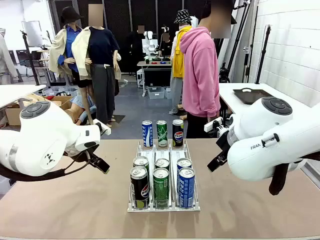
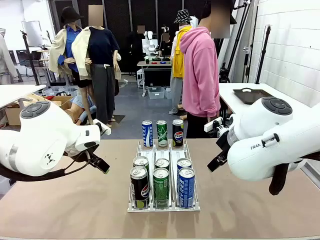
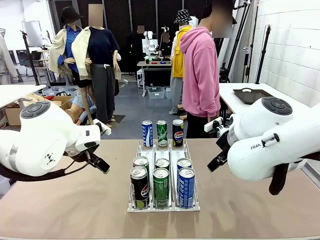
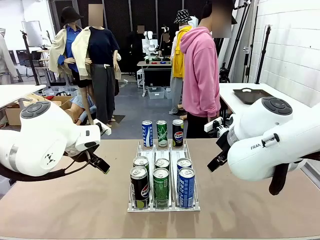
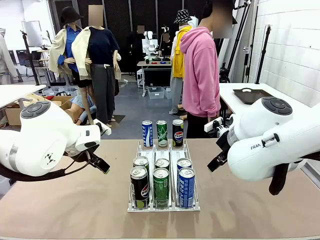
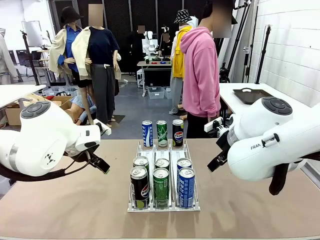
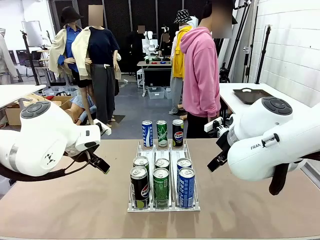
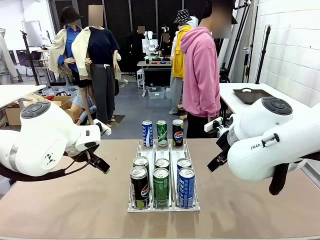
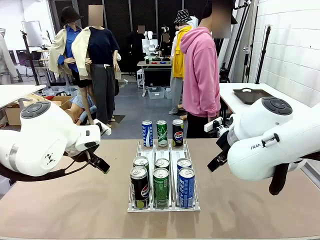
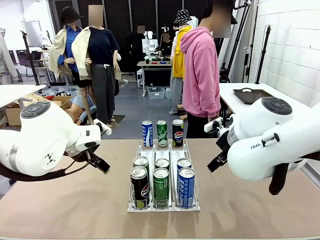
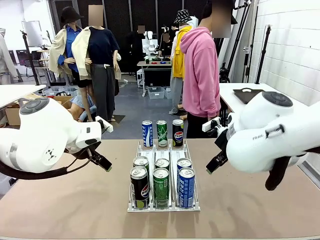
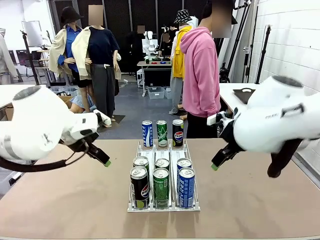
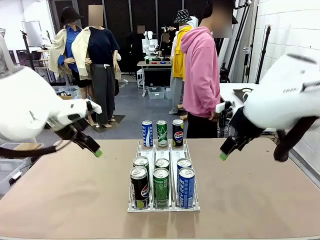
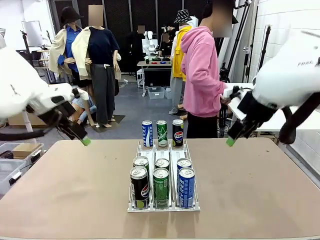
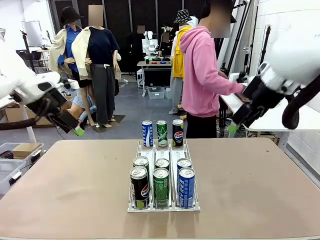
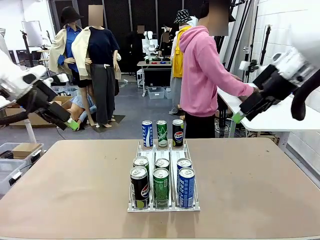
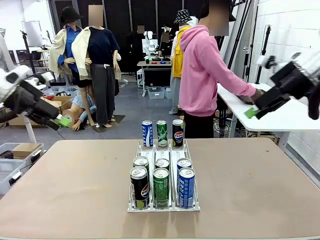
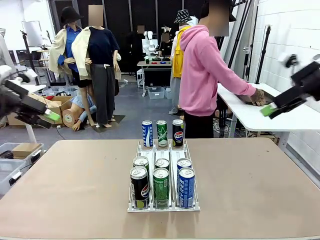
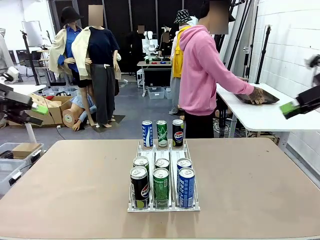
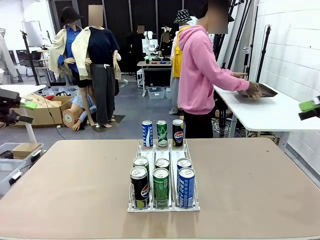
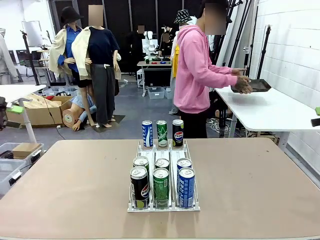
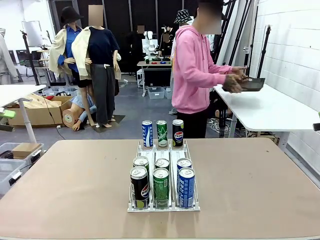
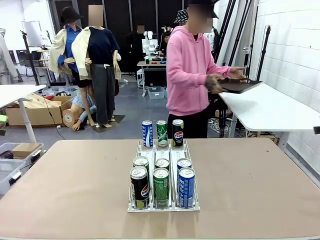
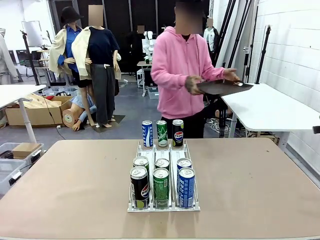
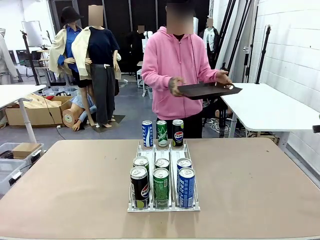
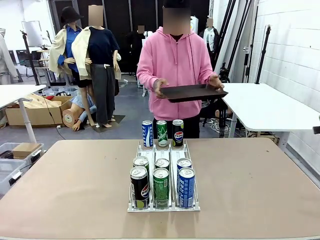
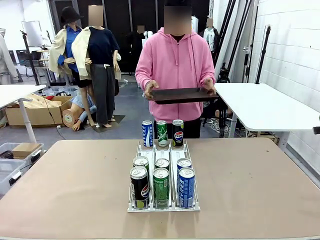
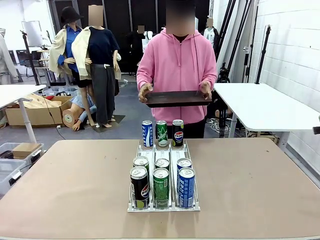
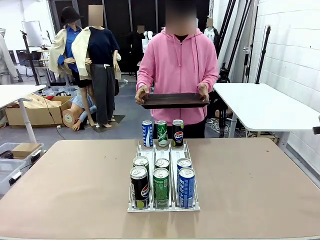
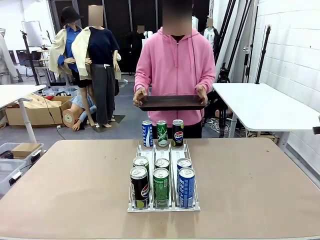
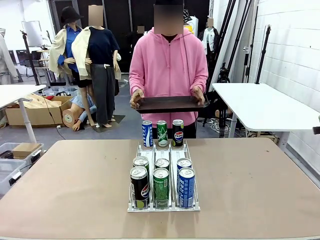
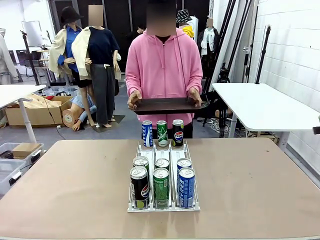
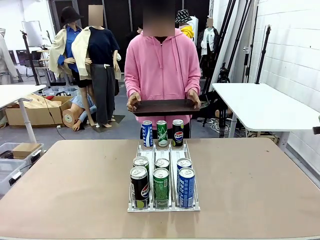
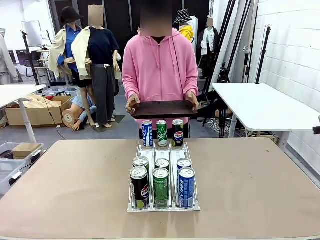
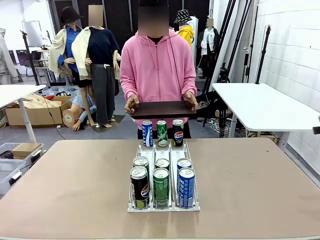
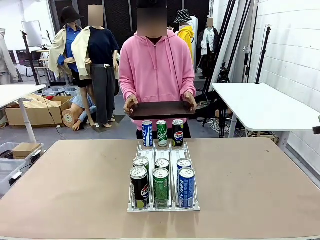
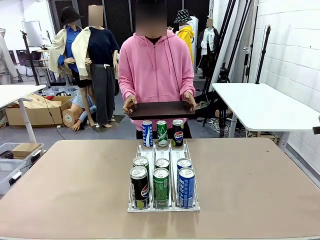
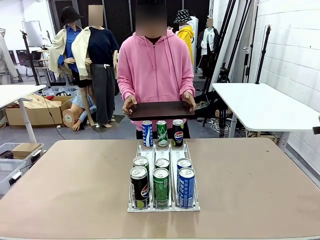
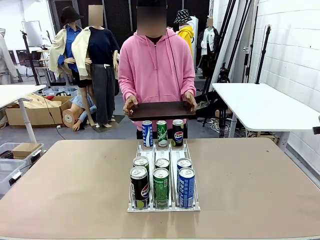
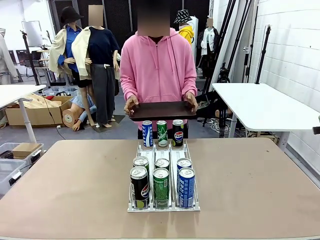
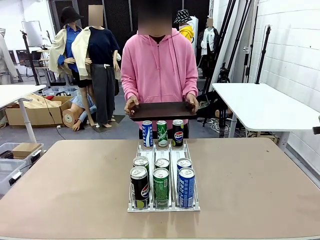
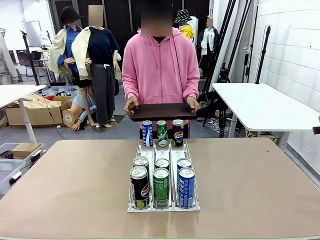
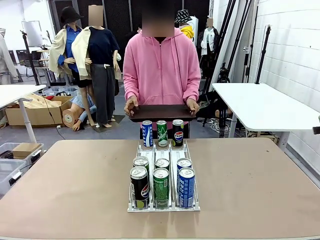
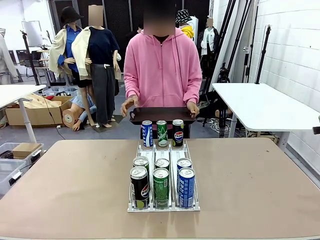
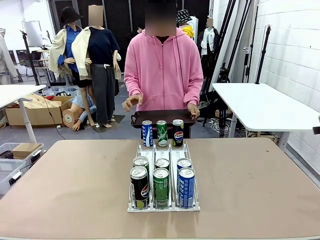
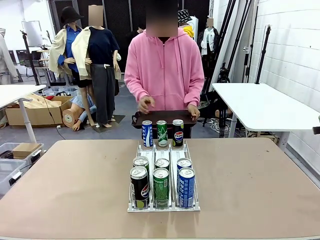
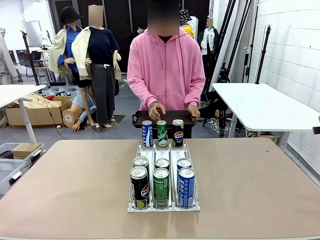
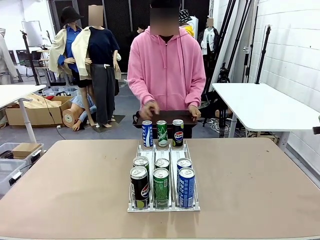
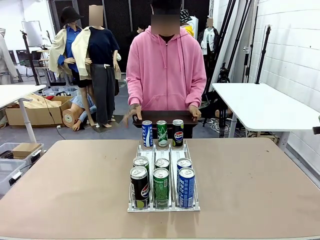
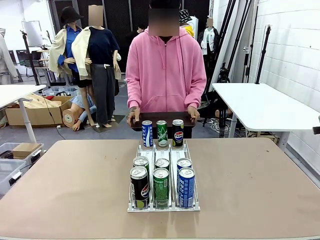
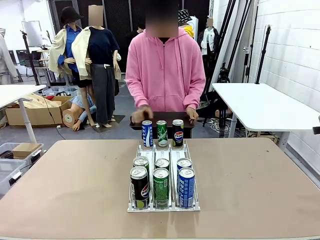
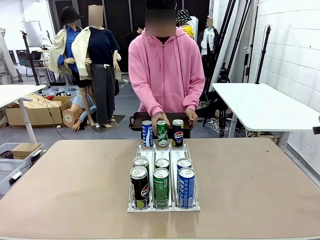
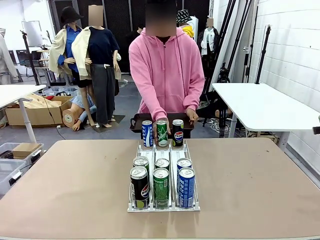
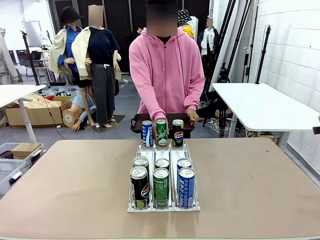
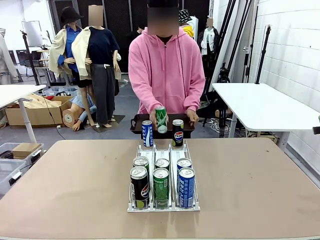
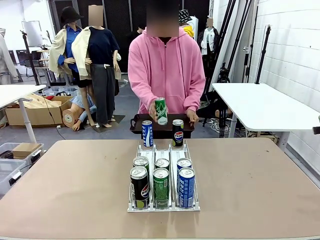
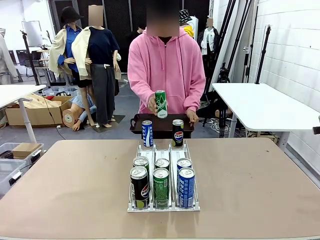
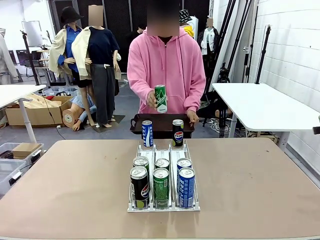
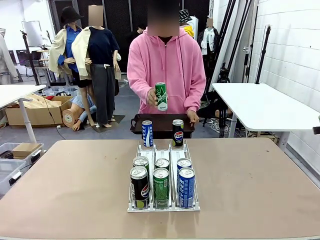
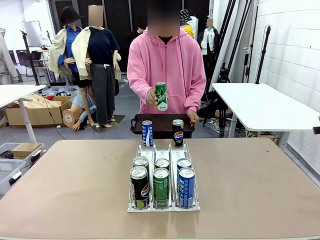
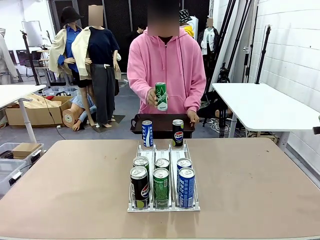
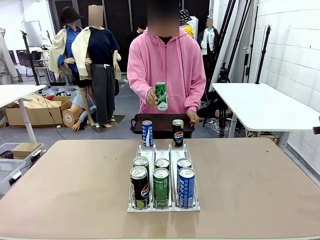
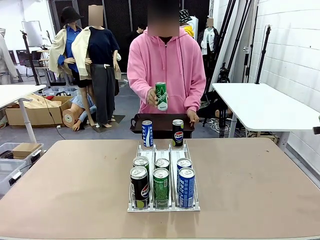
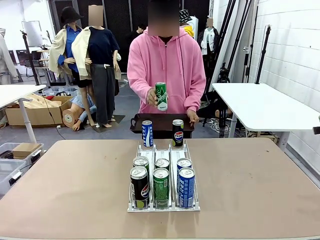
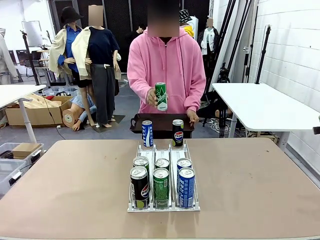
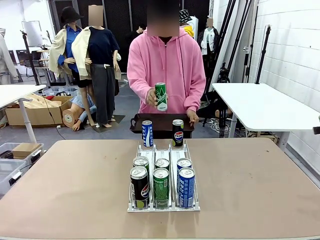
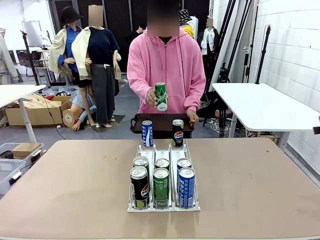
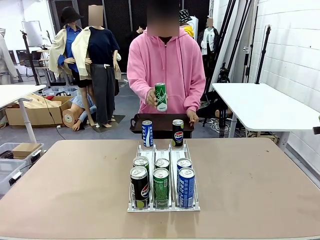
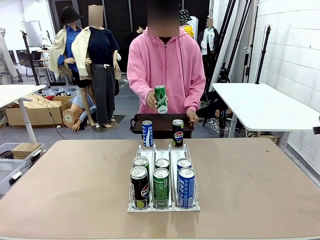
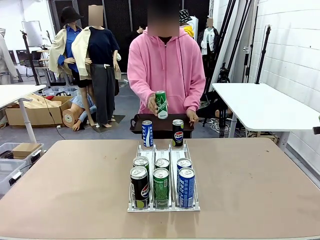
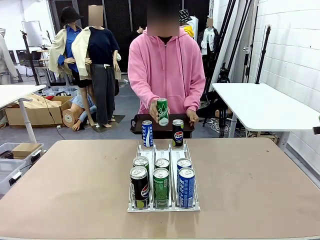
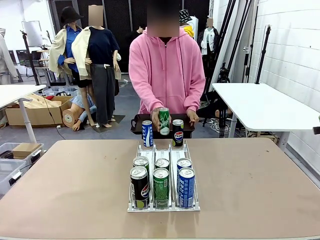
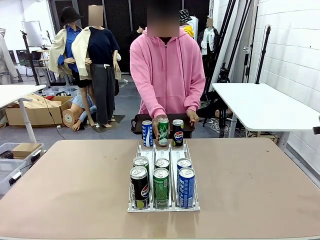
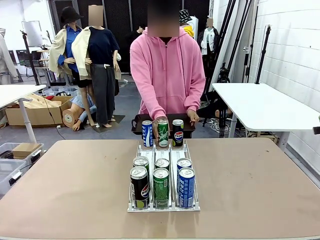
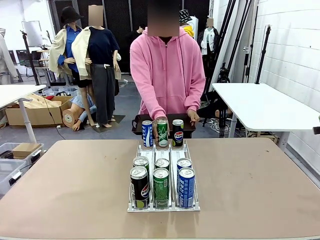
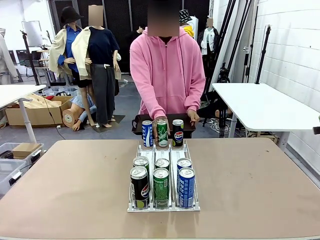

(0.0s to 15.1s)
Task: Retrieve and hand over the desired beverage to the person.
Robot: Pick up a can of the same type that the person held from the Automatic Can Dispenser.
Person: Hold the tray and position yourself in front of the robot table. Pick up one can from the bottom area of the table and puts it back in its original place.
